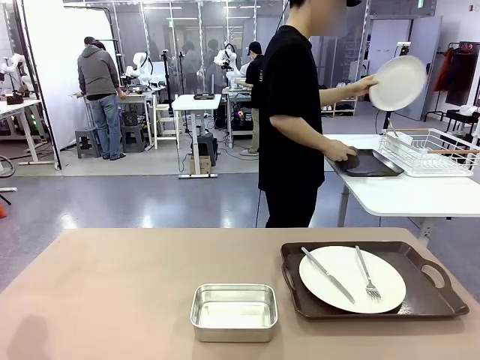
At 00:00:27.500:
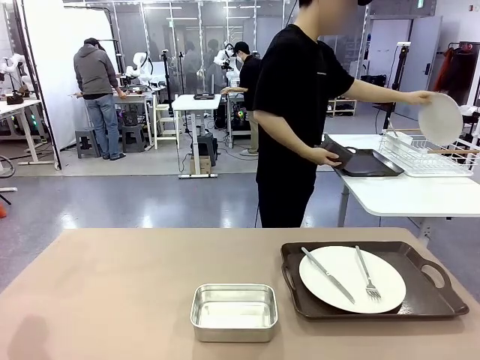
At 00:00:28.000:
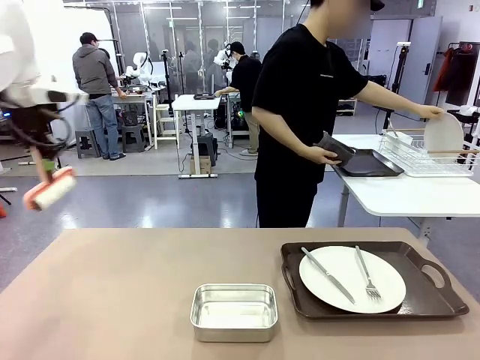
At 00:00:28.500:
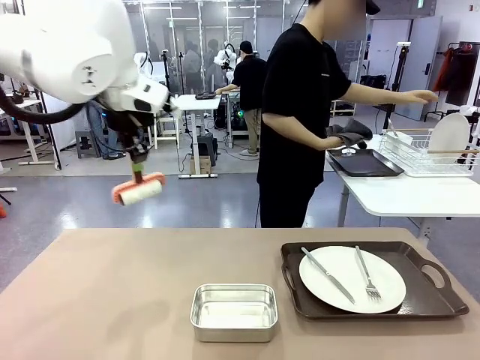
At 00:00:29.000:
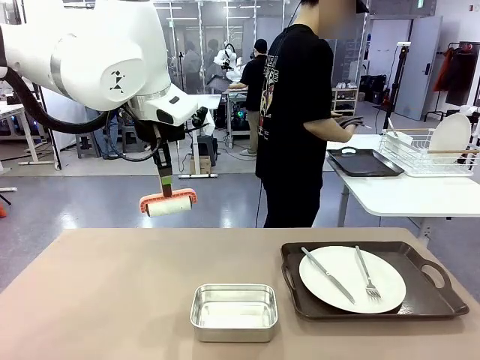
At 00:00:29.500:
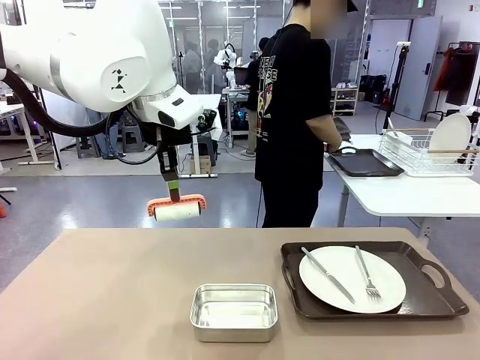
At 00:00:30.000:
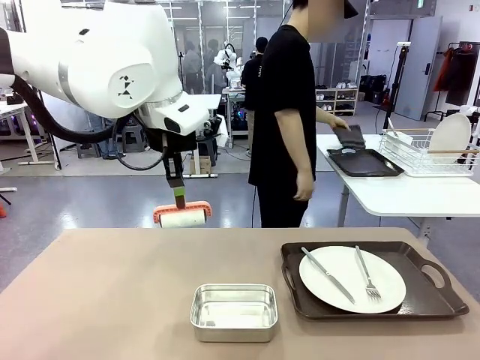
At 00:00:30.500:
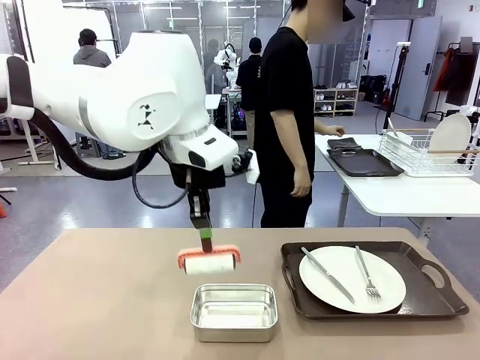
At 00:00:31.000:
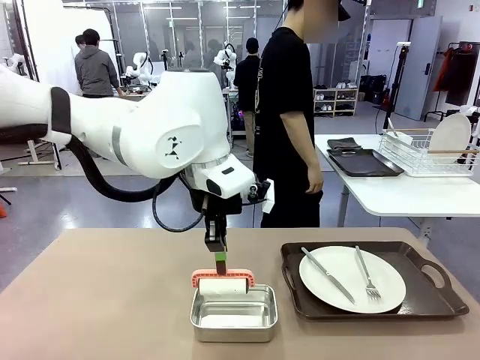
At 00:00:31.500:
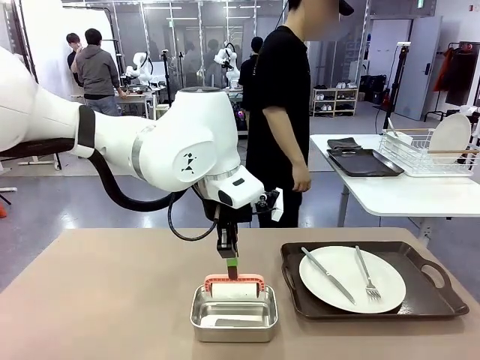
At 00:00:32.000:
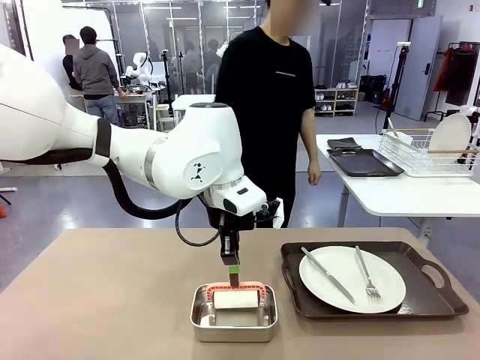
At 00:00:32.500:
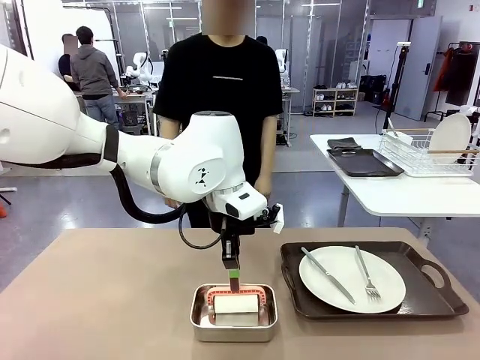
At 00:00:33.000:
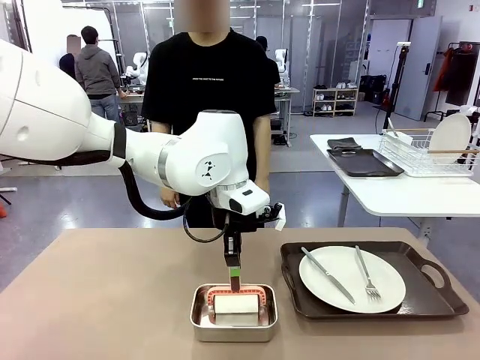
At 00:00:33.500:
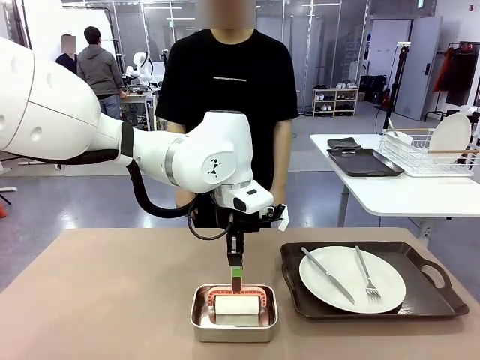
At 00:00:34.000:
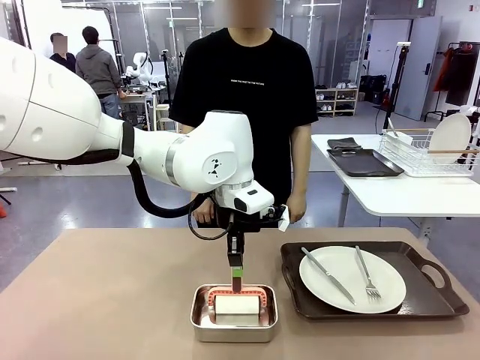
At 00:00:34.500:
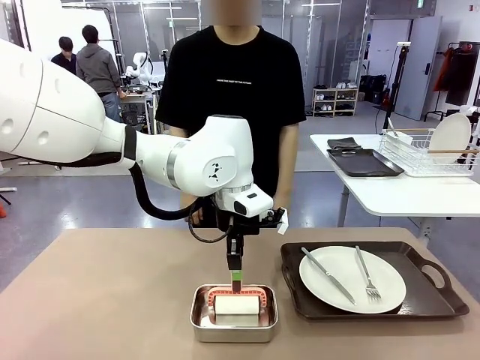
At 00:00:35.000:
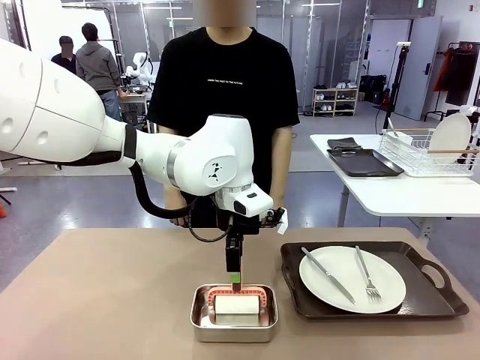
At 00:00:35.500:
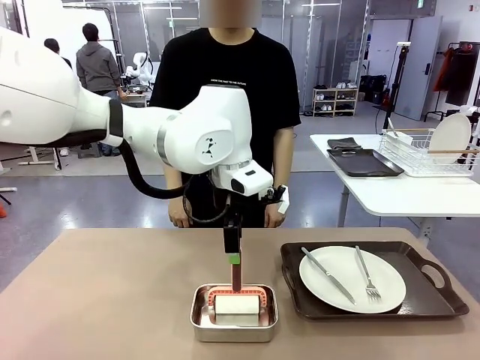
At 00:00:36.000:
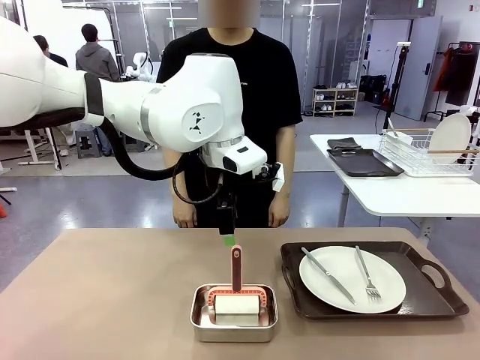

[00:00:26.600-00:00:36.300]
Robot: Place the Lint Roller back on top of the Airtight Container.

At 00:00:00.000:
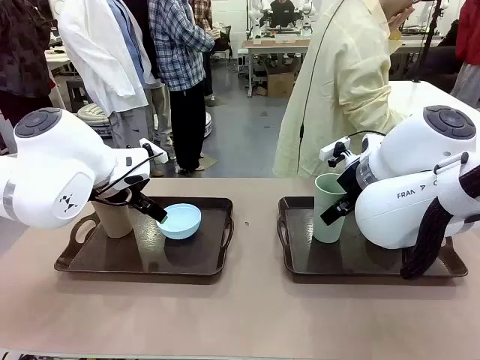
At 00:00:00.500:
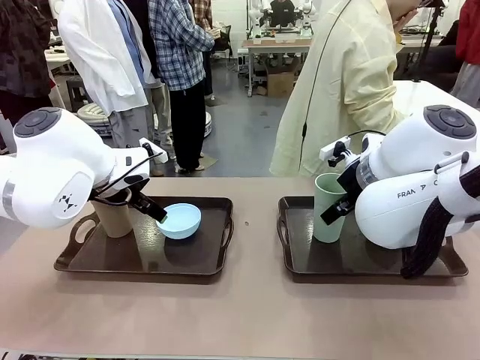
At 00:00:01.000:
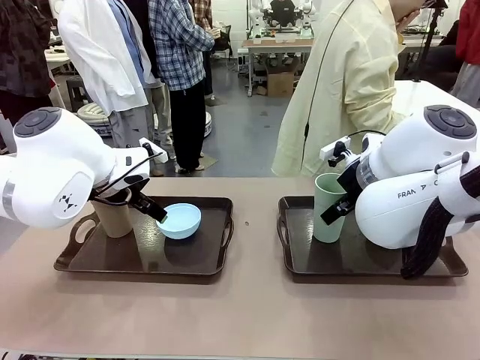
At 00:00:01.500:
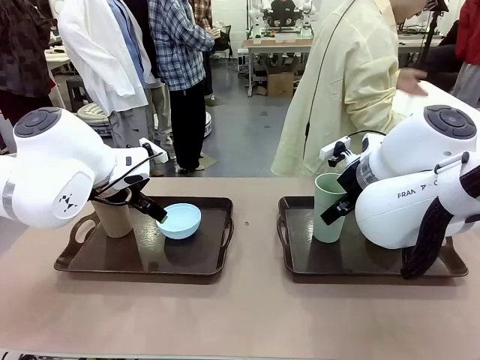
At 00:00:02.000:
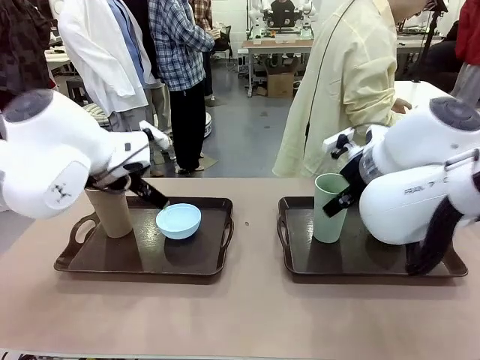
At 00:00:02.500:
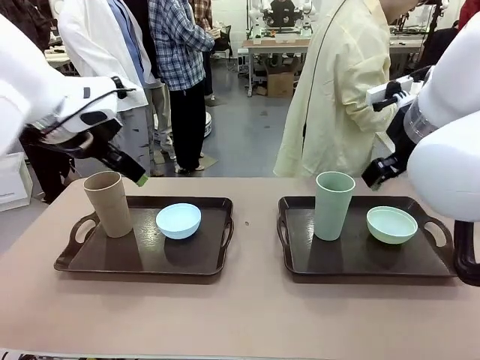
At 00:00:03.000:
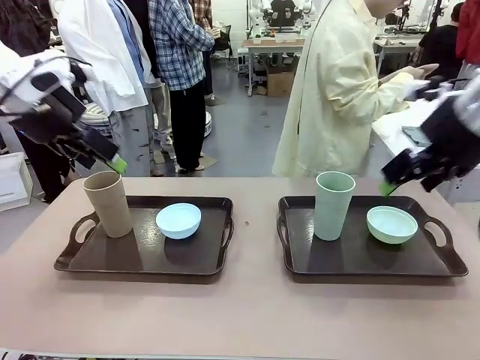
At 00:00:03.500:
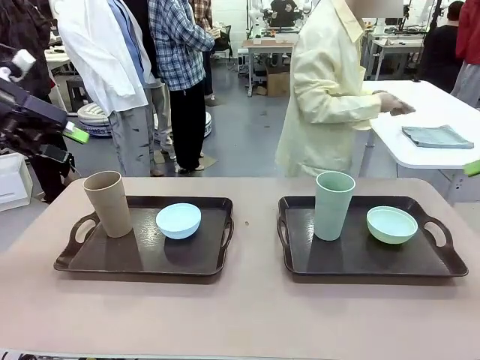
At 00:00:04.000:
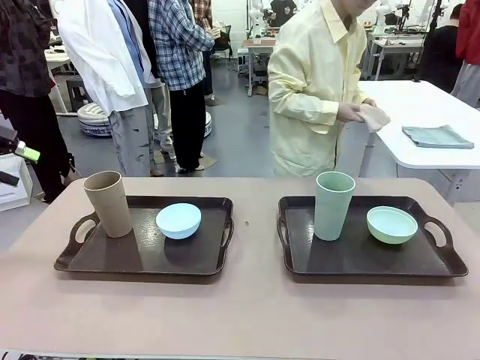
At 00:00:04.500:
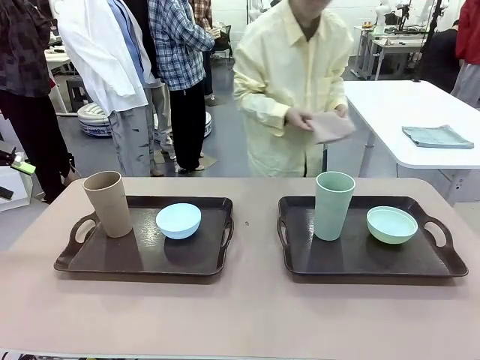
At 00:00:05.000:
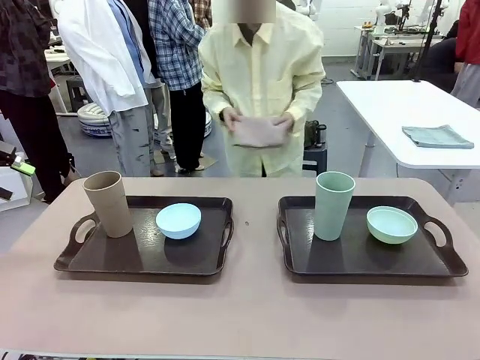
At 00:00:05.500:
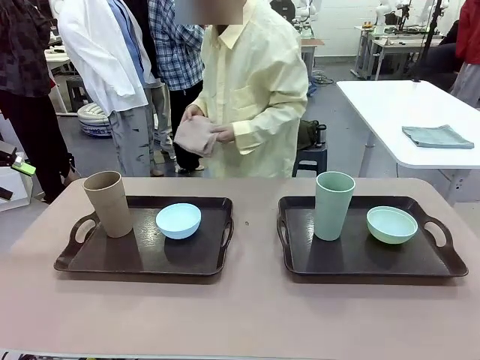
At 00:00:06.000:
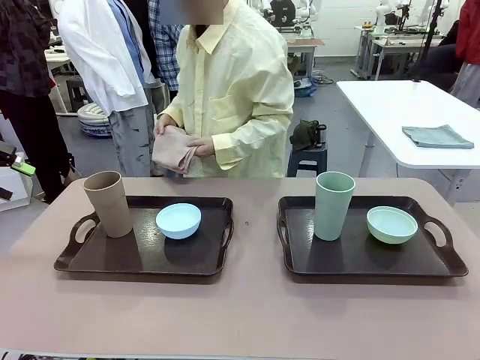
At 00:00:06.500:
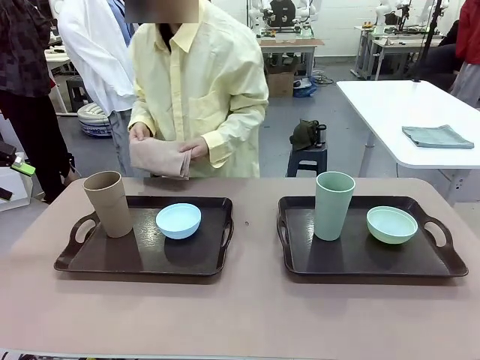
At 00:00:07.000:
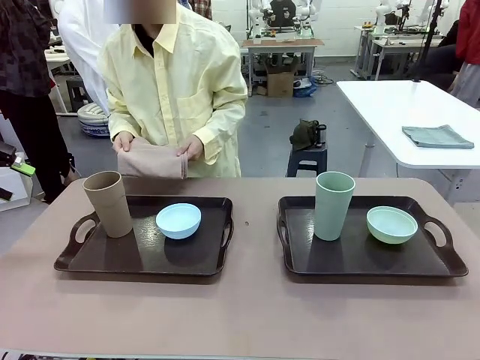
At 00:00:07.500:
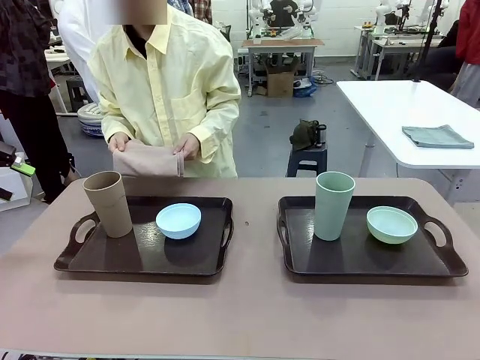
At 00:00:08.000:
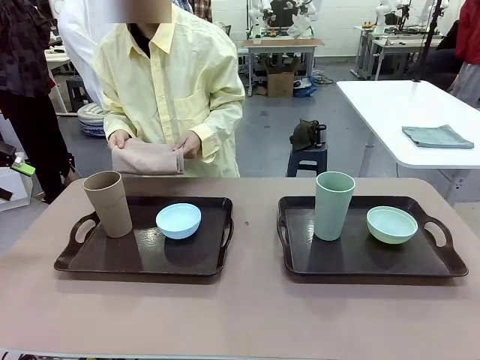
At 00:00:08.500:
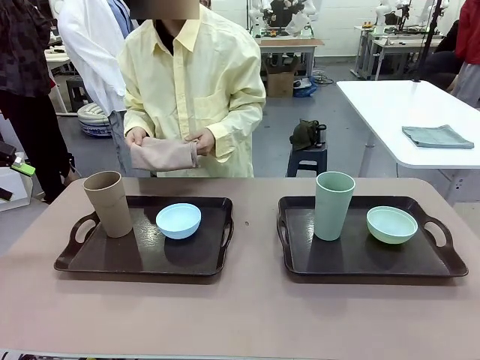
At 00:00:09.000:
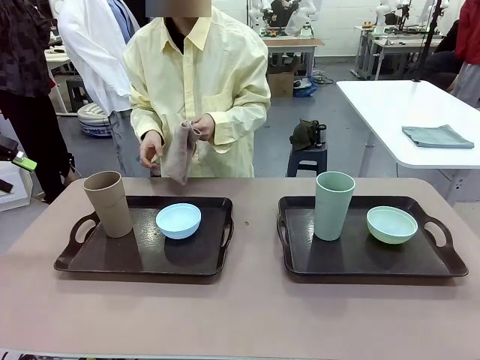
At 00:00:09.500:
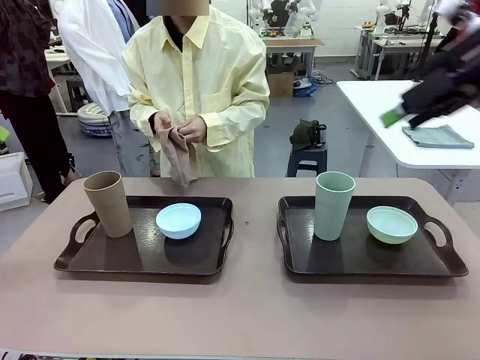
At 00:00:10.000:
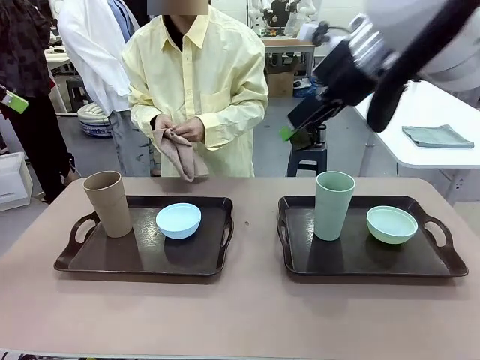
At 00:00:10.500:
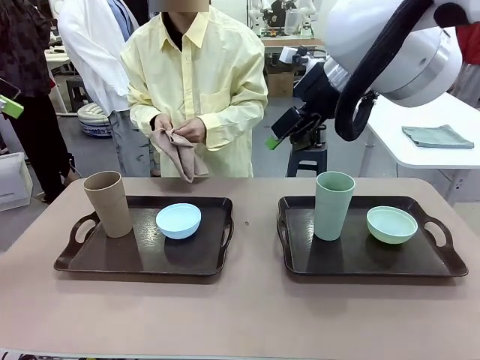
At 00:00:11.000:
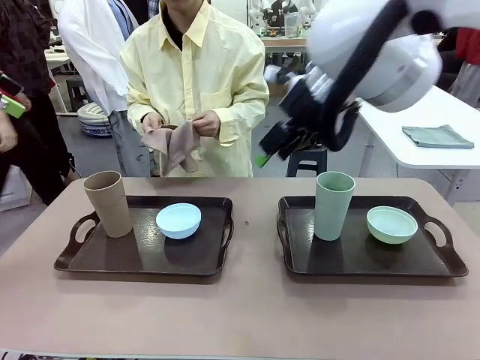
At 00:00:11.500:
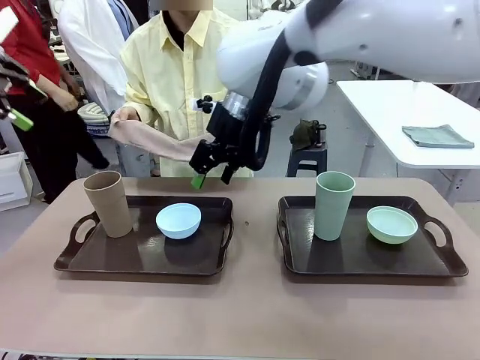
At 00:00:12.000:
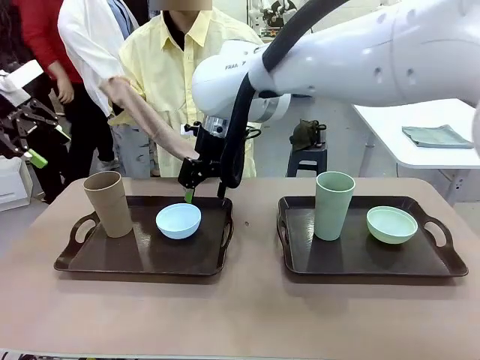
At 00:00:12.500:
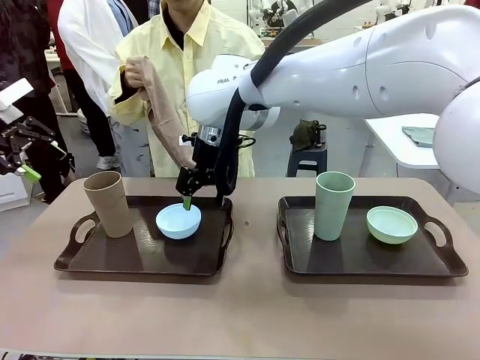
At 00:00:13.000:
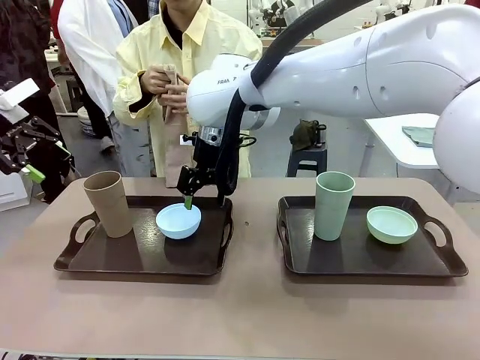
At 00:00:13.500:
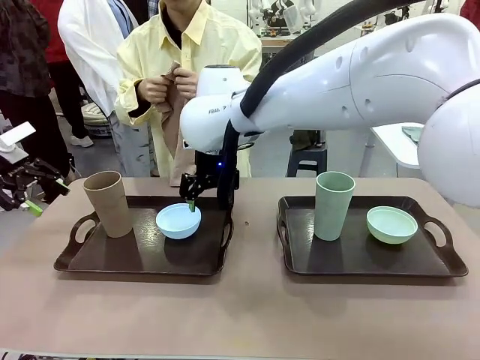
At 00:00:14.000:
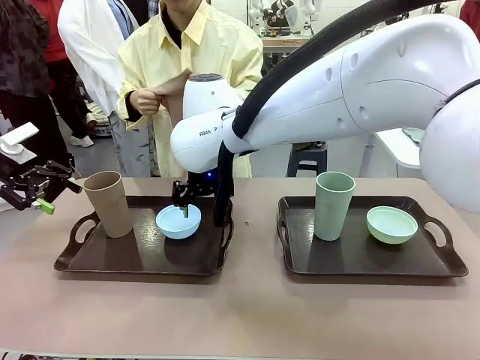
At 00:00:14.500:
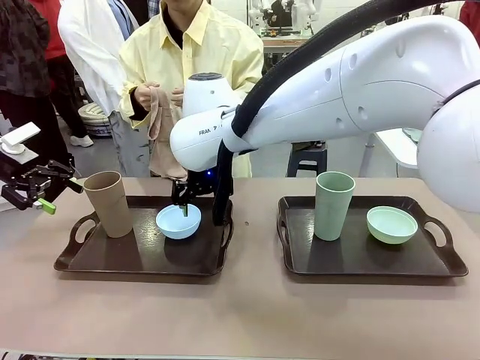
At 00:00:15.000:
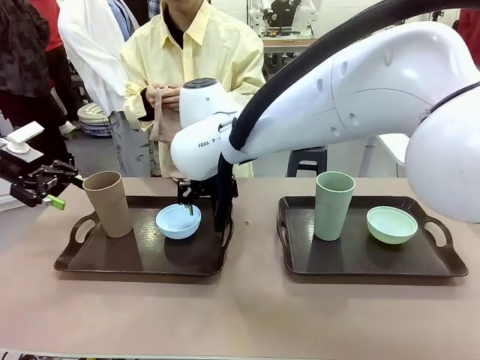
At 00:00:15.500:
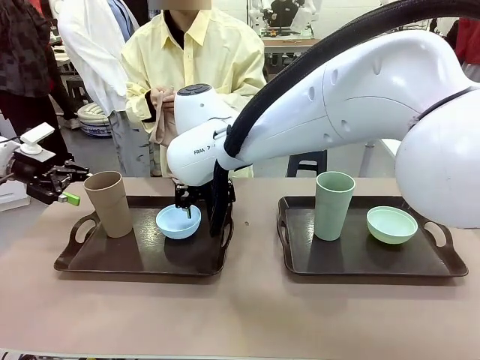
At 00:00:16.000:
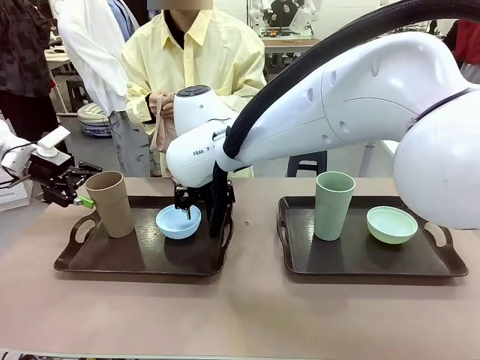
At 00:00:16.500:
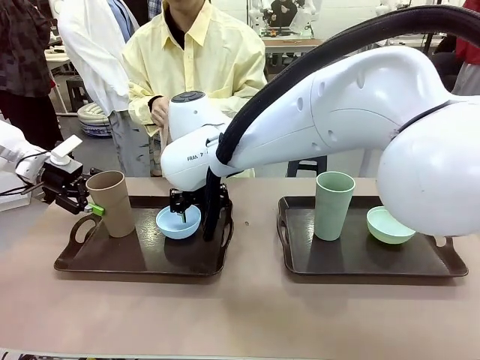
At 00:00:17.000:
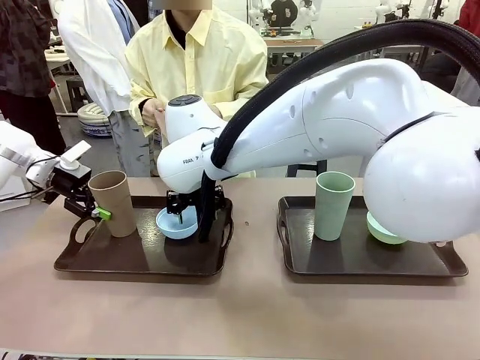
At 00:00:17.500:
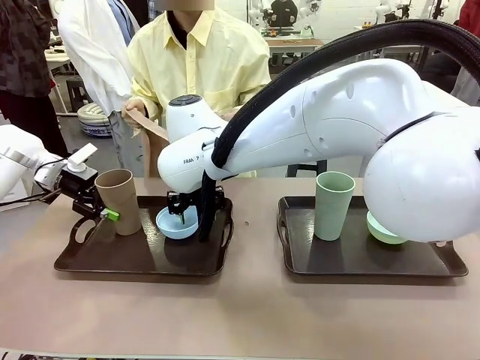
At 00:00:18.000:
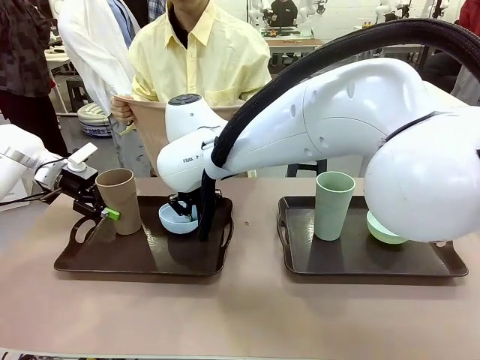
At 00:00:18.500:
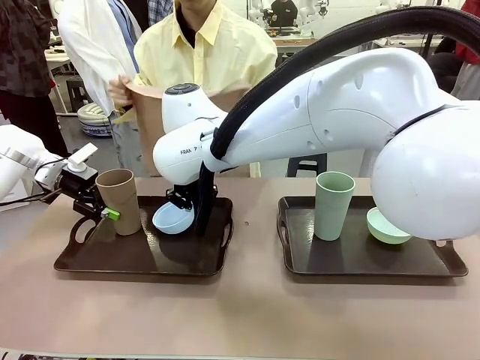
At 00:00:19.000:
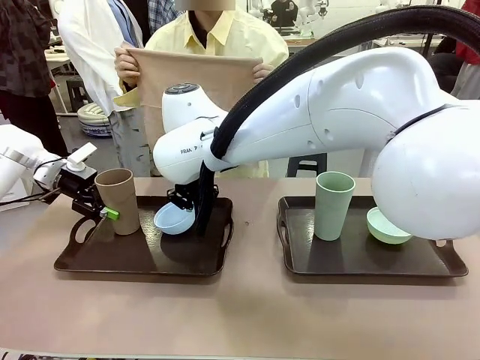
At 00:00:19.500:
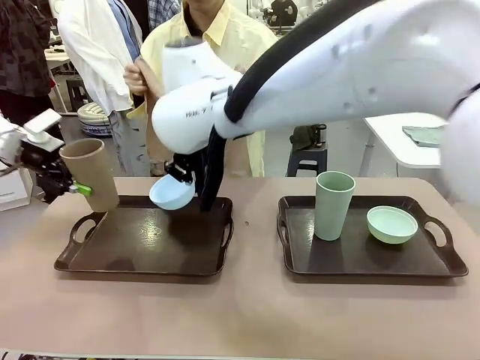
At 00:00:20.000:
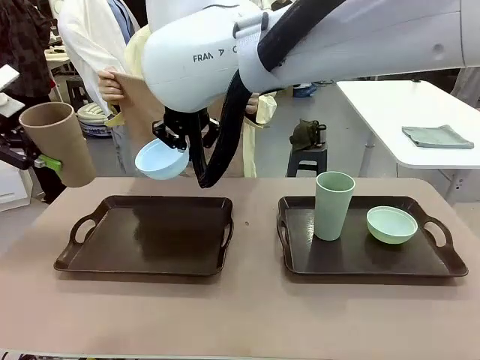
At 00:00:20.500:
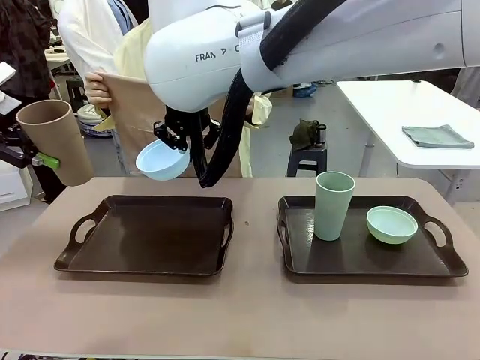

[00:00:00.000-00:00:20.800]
Robot: Pick up the Picnic Bowl and Reusable plastic cup from the Handle tray in front of the human's position and hold them in the air.
Person: The human picks up the top napkin from the stack on the human table and walks to the robot table to stand in front of one of the two trays. When the robot lifts the bowl and the cup, the human unfolds the napkin and lays the napkin flat on the tray.
